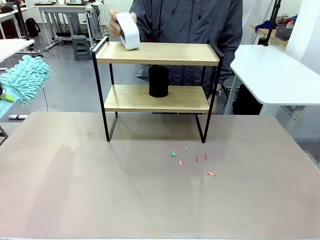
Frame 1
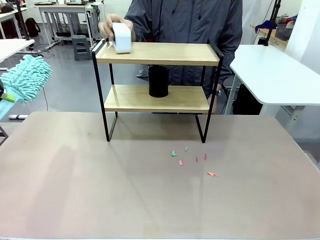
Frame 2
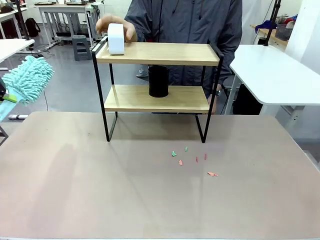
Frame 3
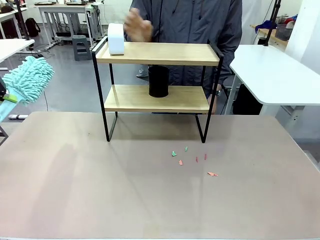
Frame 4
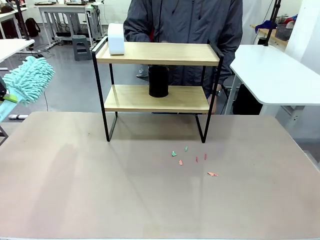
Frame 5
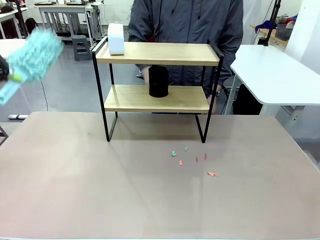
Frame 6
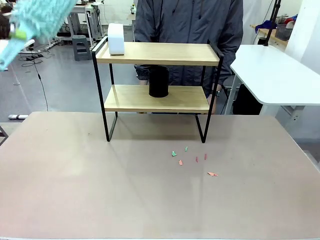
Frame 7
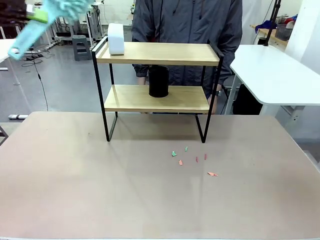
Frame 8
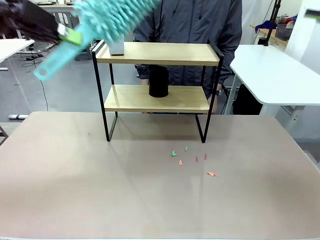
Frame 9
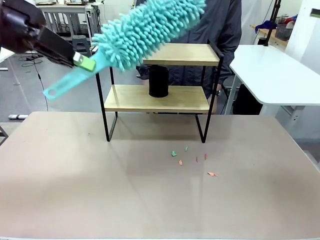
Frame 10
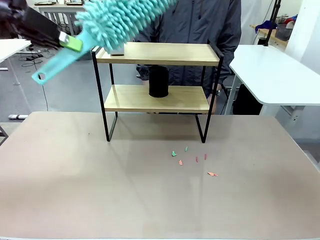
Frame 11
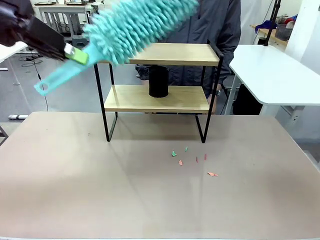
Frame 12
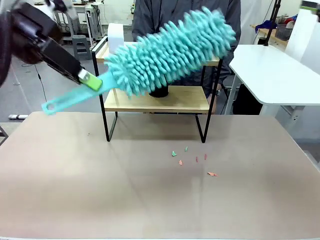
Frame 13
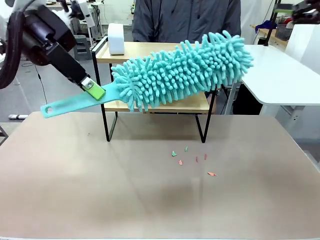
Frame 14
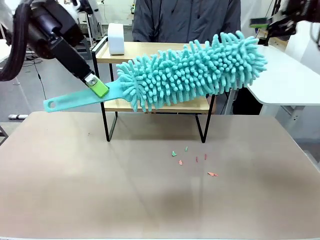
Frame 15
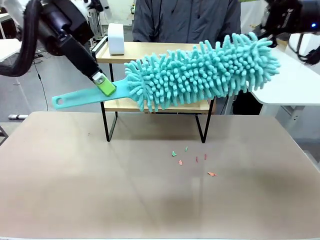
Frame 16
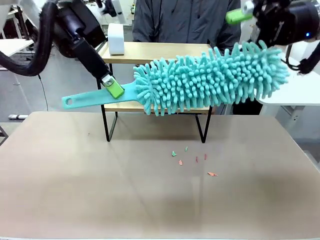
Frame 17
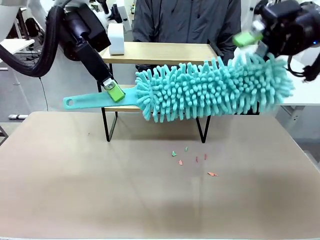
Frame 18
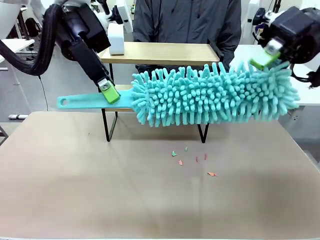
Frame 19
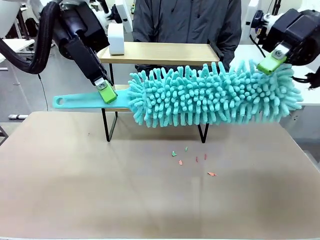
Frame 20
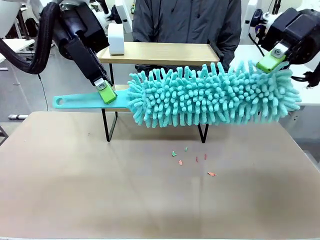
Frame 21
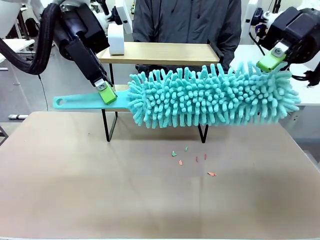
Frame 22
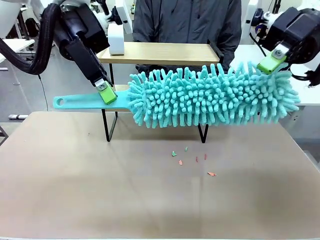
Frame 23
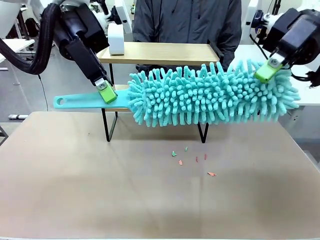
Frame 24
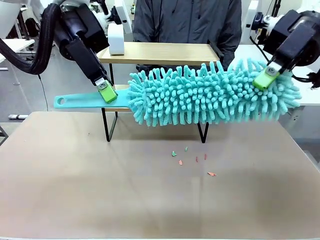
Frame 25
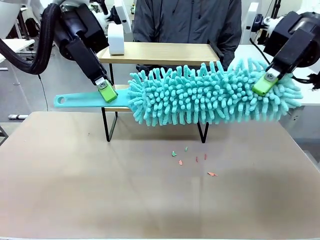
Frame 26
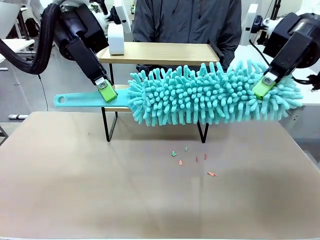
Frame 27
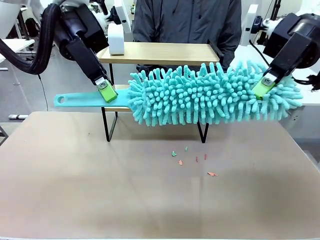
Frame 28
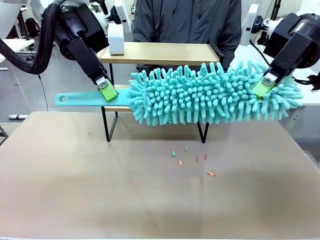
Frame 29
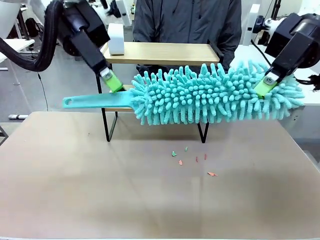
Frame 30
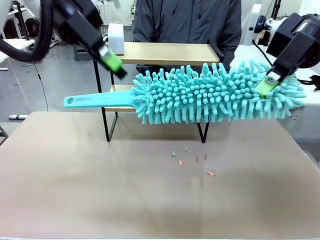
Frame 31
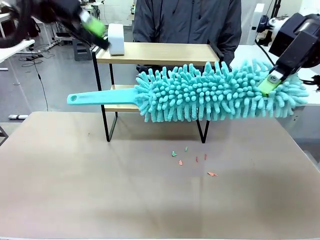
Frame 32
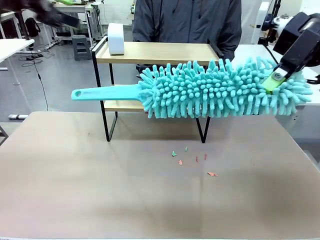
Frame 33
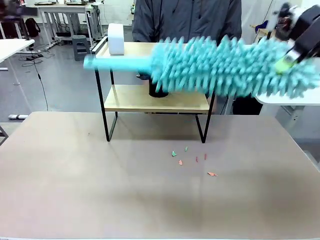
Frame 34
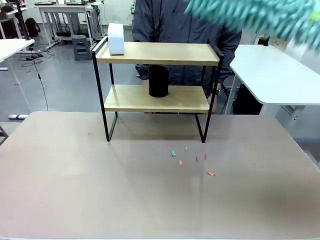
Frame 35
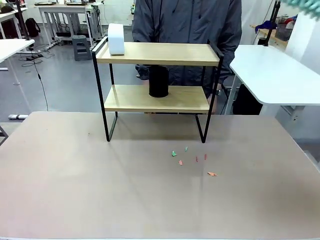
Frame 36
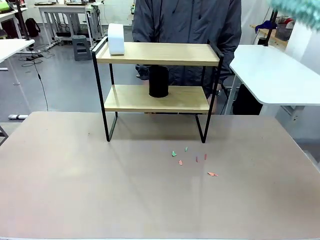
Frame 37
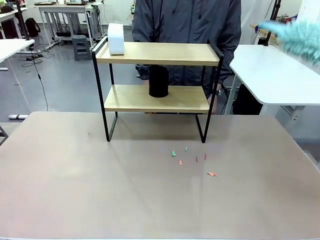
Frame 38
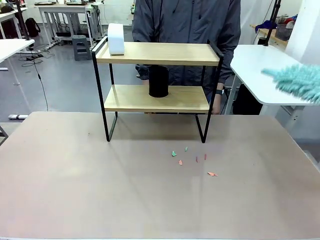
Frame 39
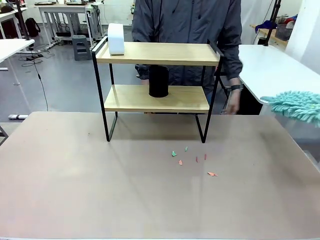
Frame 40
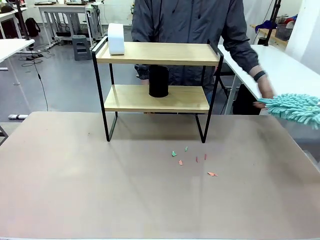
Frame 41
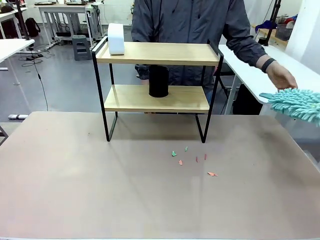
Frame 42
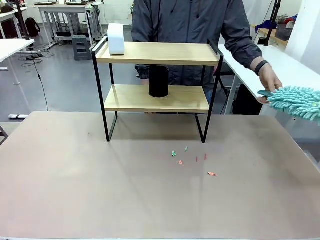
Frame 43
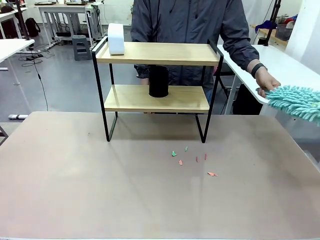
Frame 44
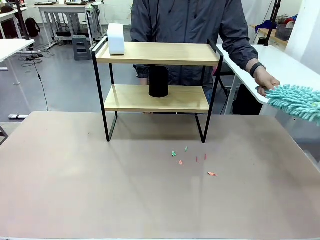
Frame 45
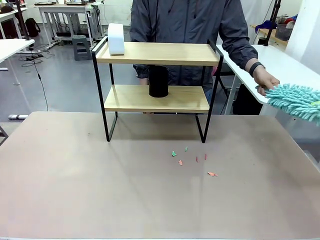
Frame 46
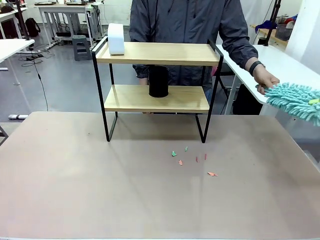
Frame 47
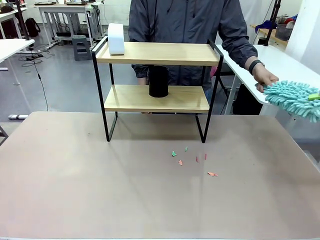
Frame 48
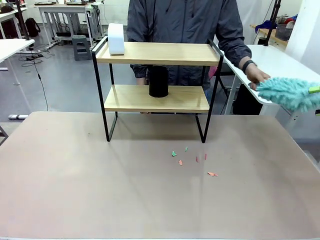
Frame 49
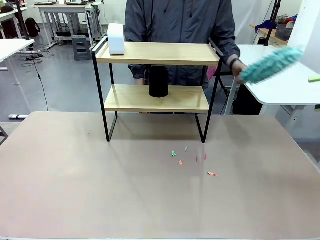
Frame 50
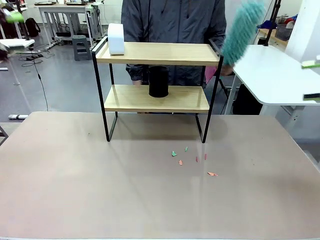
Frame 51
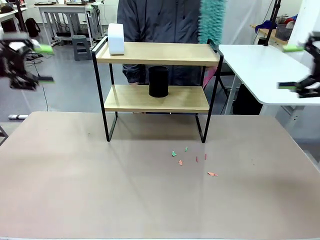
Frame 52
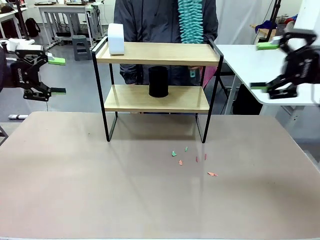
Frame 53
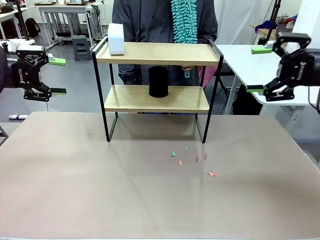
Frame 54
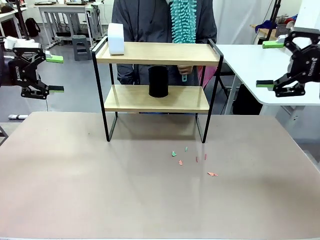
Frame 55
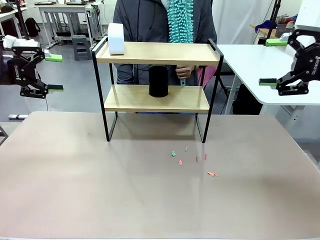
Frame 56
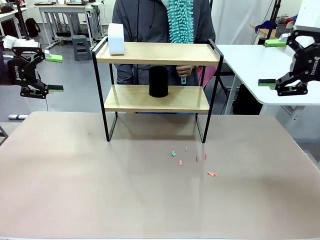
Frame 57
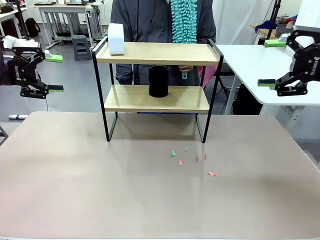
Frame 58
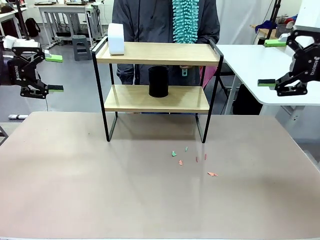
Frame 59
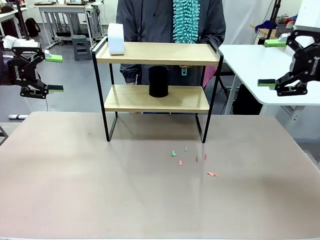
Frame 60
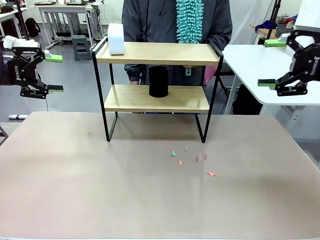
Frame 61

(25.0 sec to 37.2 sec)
Task: Clean the shelf.
Robot: Hand the Duster back to the human.
Person: Receive the Duster from the robot.

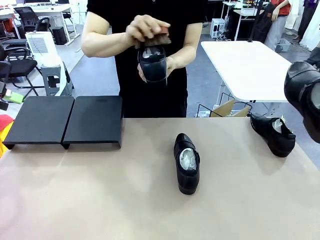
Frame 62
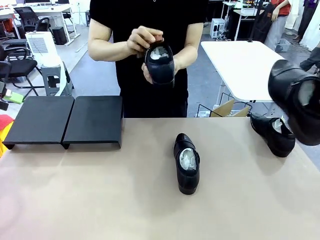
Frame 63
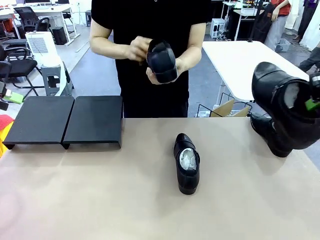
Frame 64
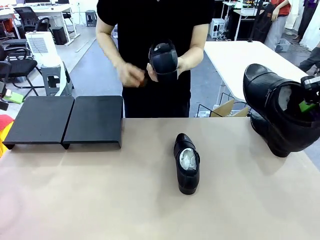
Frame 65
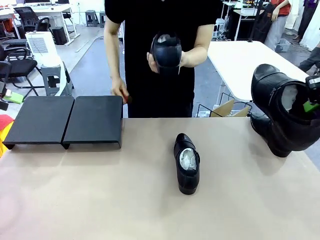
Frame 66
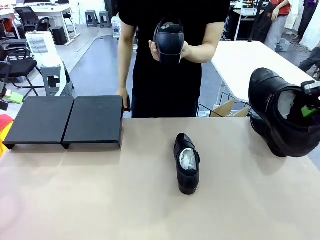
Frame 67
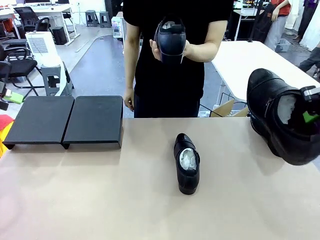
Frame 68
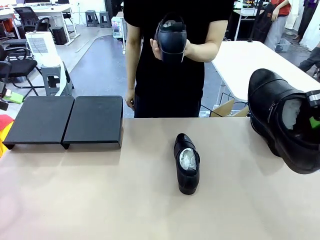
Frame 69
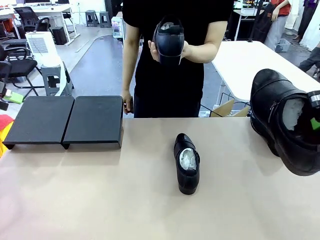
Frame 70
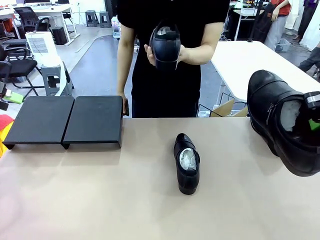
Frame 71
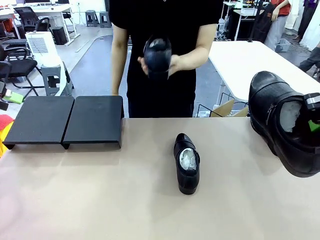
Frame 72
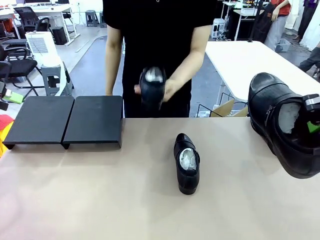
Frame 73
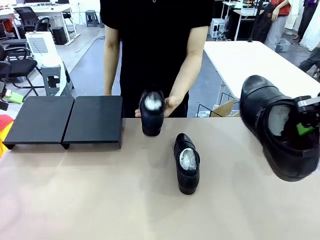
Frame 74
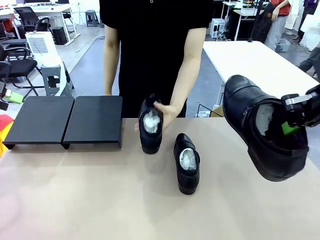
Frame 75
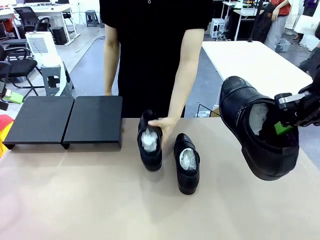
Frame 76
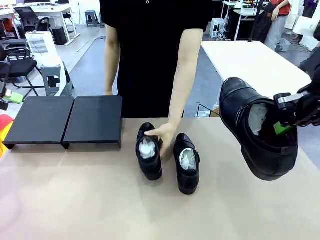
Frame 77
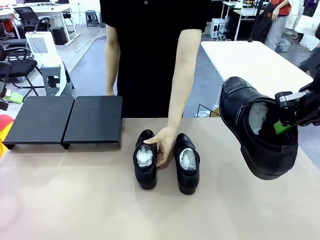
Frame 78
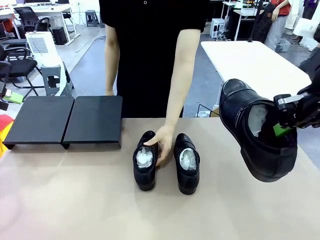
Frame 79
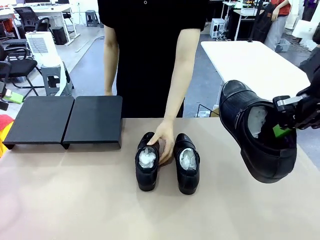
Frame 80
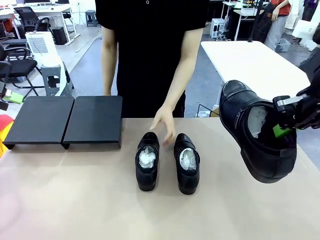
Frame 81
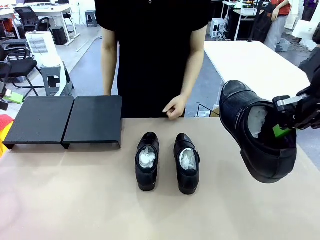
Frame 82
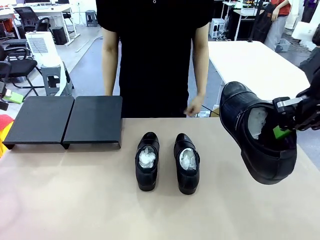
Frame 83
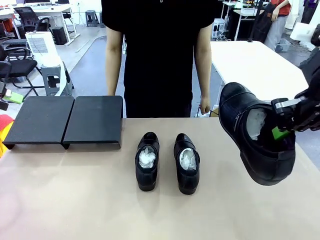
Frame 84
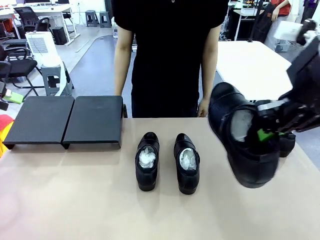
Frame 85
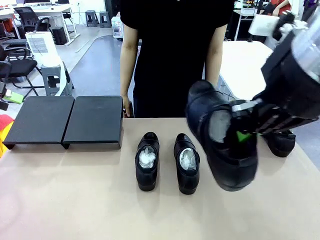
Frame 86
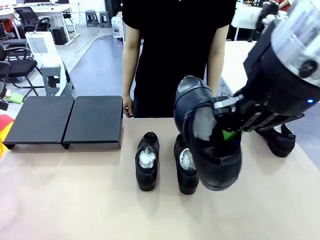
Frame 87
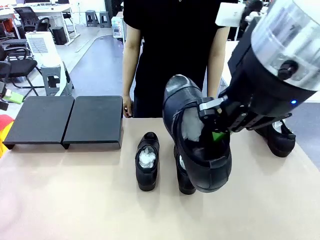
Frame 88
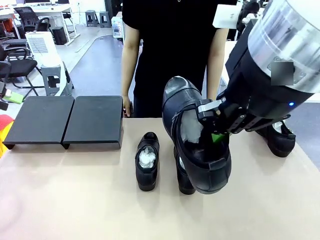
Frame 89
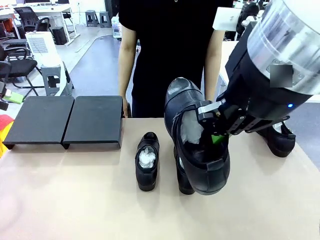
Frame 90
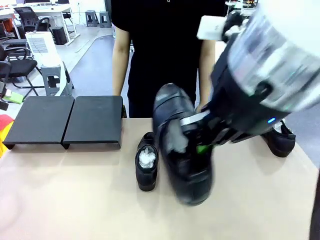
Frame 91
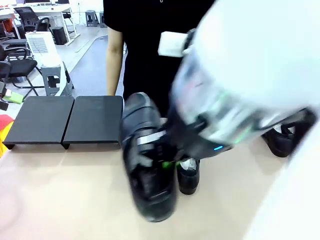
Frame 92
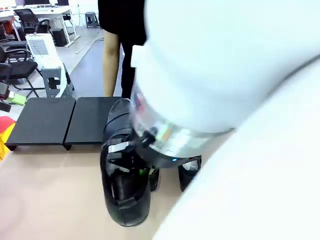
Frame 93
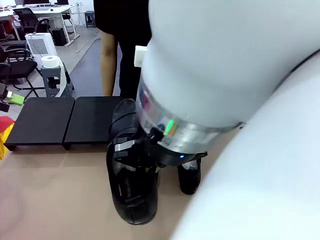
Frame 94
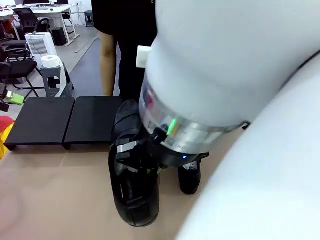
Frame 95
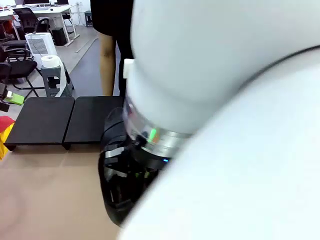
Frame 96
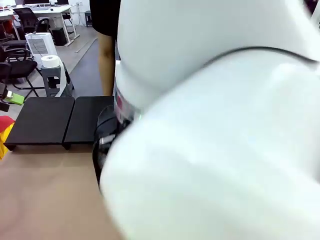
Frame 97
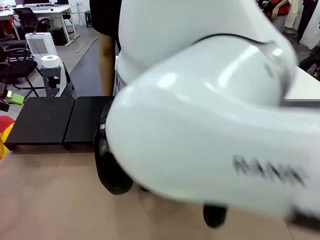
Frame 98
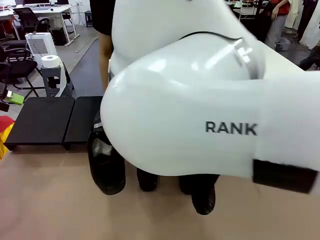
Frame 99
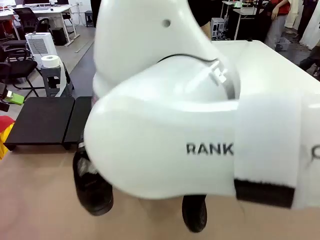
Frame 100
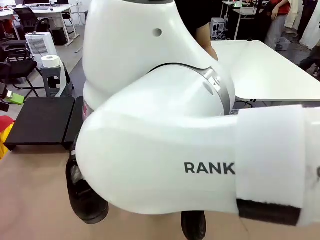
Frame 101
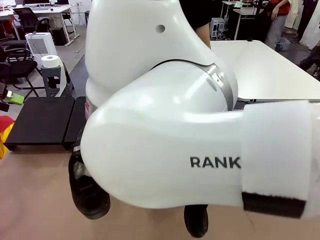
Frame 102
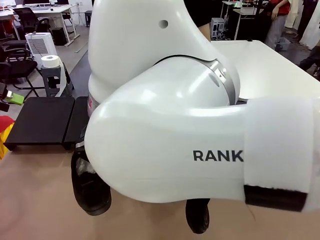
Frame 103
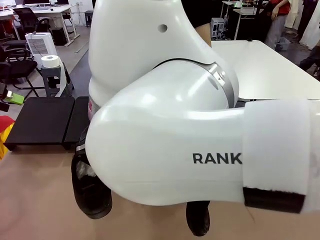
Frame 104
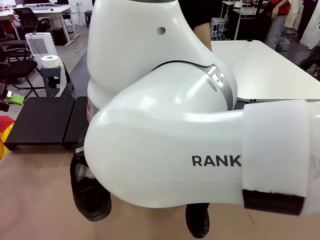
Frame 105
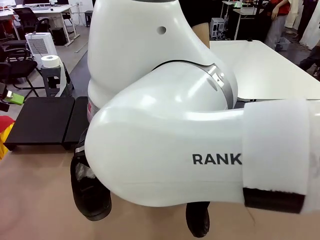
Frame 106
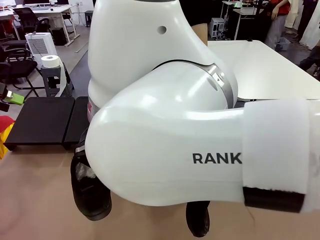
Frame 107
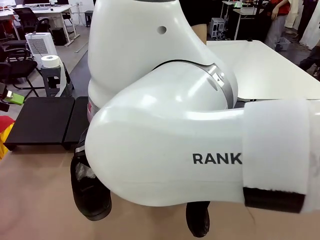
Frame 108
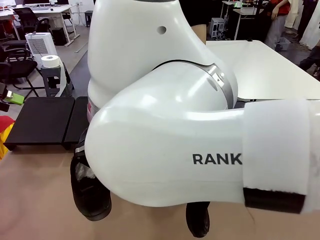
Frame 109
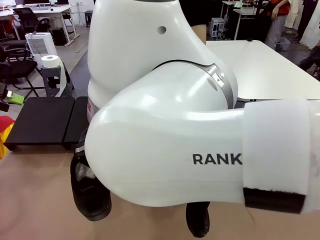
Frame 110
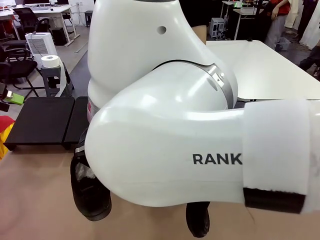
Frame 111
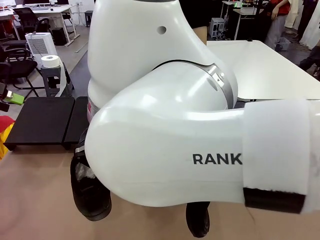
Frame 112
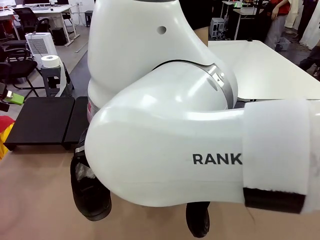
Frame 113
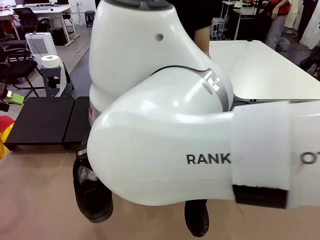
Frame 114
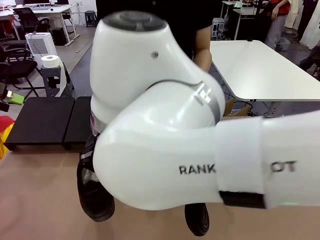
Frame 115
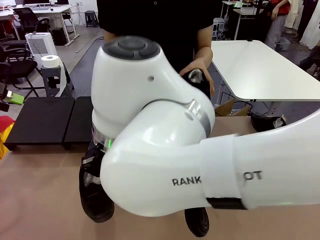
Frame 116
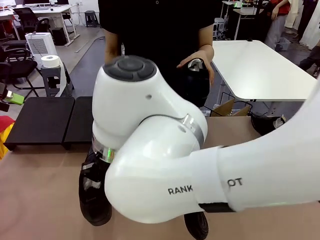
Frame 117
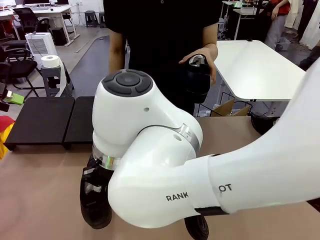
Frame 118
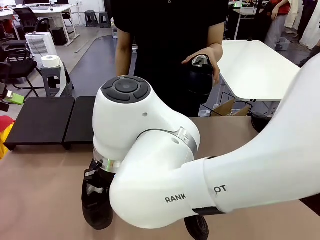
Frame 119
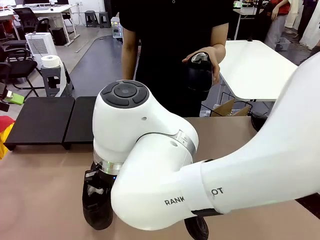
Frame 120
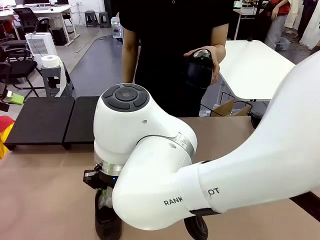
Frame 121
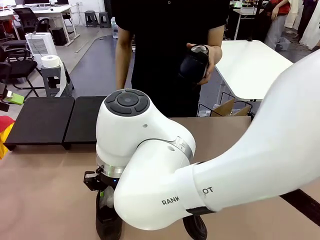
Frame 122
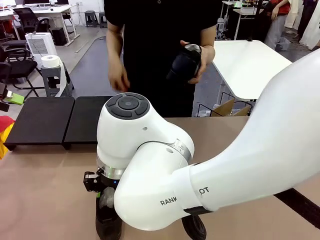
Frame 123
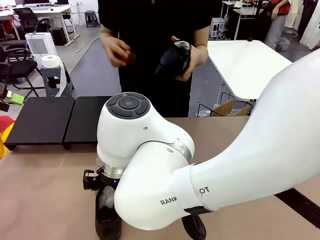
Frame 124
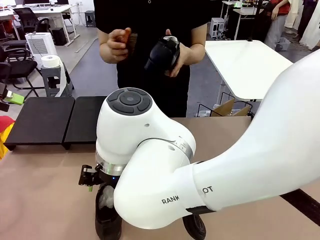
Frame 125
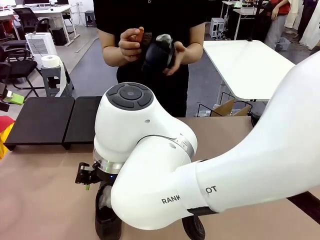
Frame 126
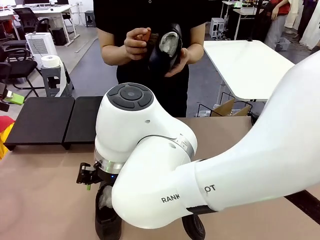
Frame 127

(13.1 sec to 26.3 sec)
Task: Organize the shoes by placing them on the stand.
Robot: Pick up one Shoe and place it in the middle of the table.
Person: Place the Shoe on left side of the Robot's table. Pick one Shoe on Robot's table.
